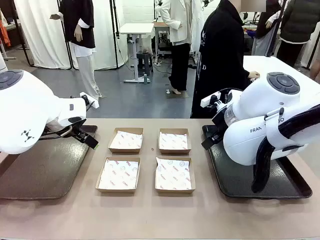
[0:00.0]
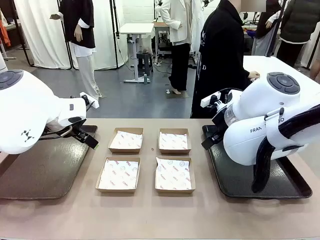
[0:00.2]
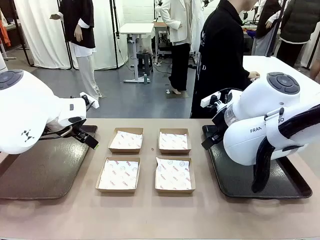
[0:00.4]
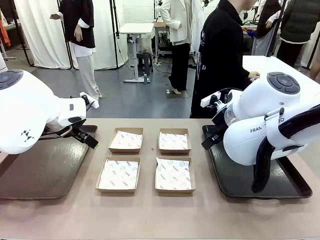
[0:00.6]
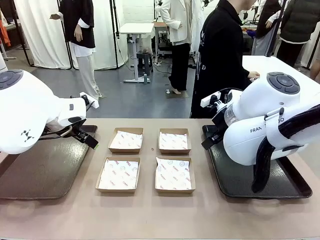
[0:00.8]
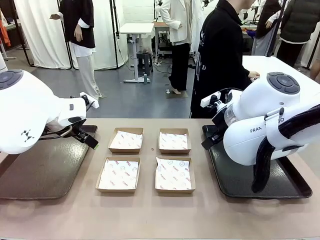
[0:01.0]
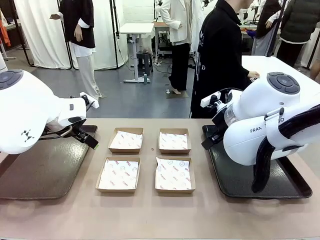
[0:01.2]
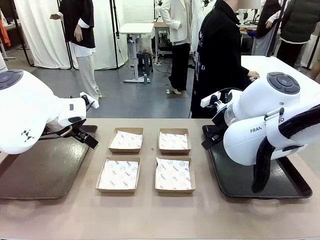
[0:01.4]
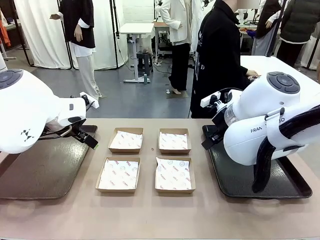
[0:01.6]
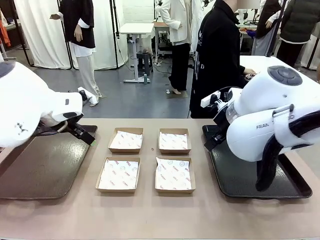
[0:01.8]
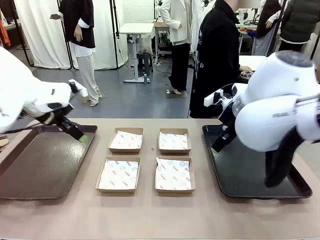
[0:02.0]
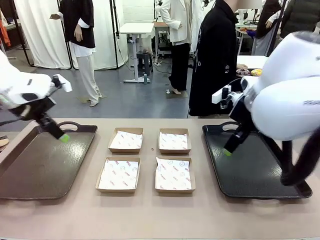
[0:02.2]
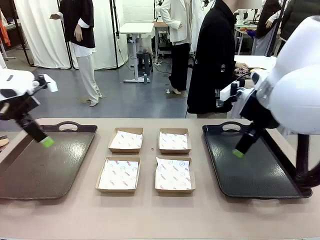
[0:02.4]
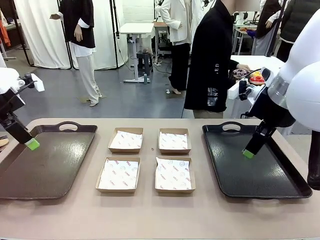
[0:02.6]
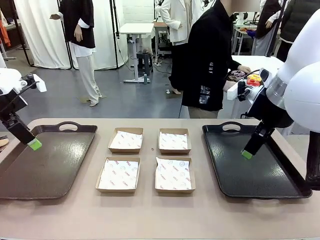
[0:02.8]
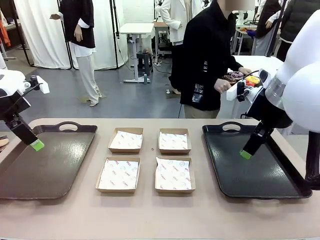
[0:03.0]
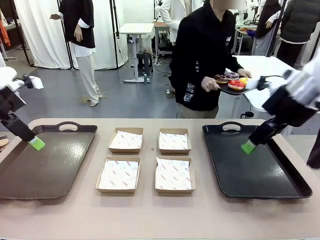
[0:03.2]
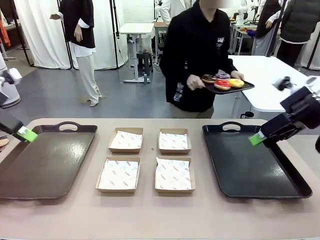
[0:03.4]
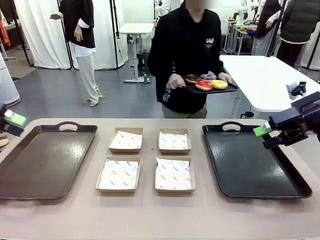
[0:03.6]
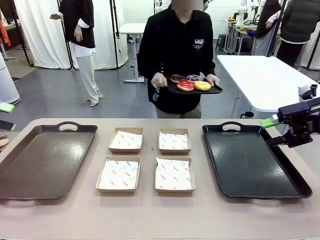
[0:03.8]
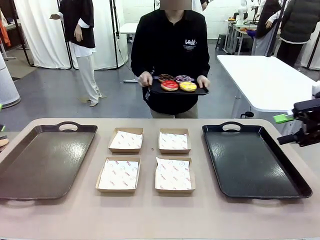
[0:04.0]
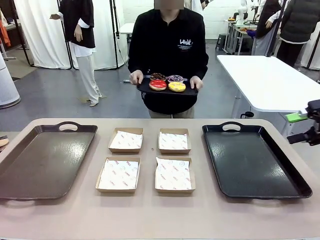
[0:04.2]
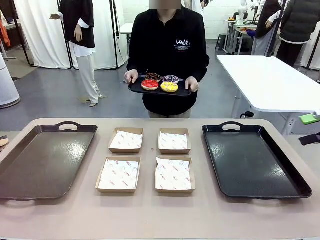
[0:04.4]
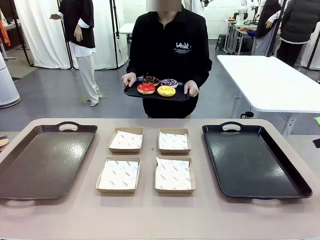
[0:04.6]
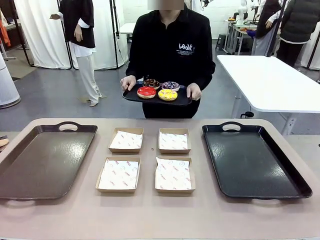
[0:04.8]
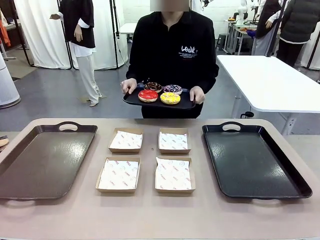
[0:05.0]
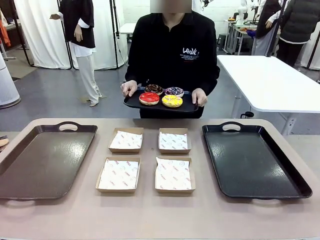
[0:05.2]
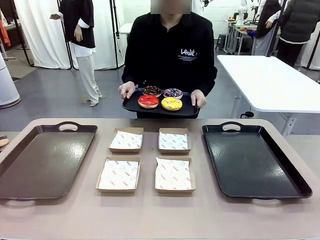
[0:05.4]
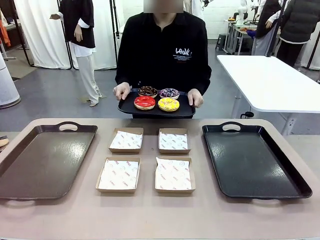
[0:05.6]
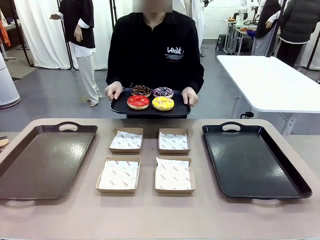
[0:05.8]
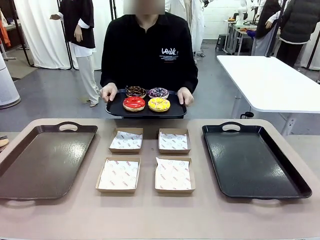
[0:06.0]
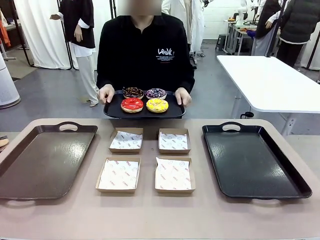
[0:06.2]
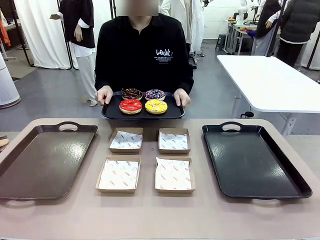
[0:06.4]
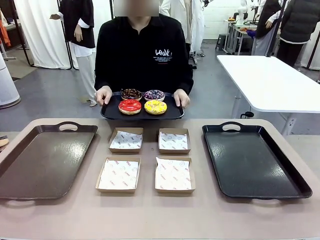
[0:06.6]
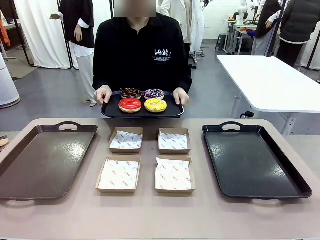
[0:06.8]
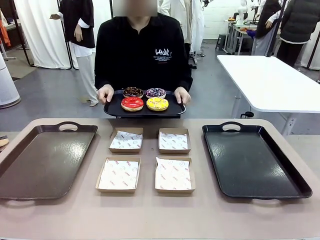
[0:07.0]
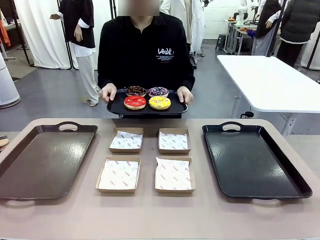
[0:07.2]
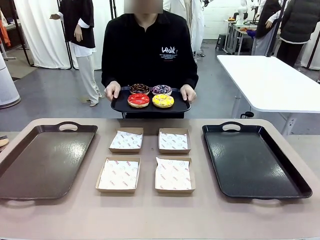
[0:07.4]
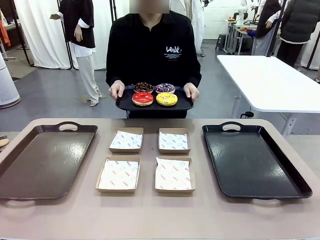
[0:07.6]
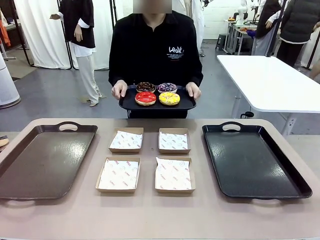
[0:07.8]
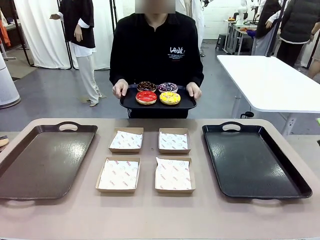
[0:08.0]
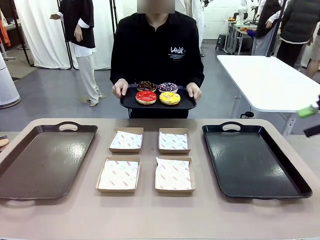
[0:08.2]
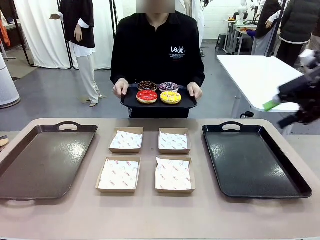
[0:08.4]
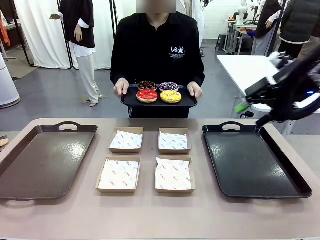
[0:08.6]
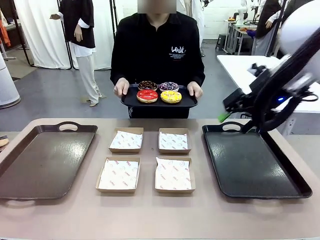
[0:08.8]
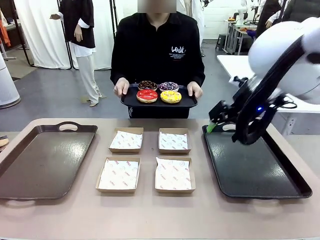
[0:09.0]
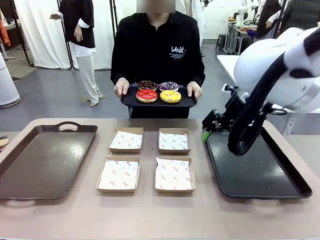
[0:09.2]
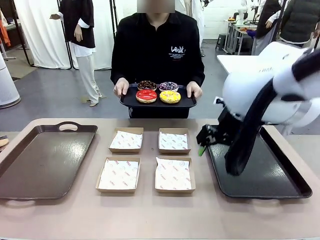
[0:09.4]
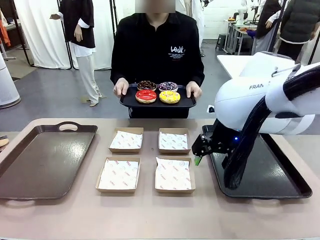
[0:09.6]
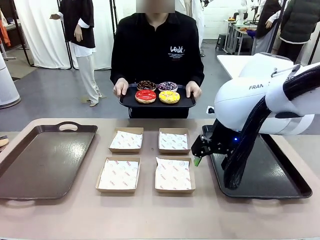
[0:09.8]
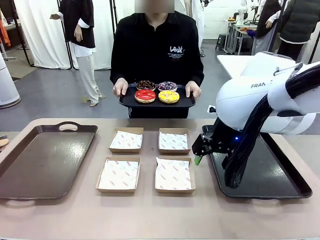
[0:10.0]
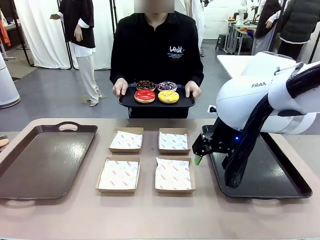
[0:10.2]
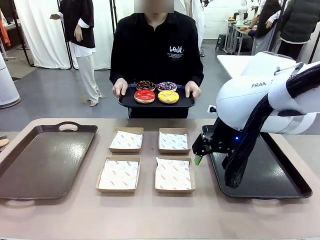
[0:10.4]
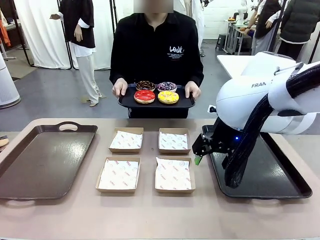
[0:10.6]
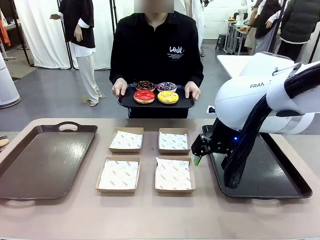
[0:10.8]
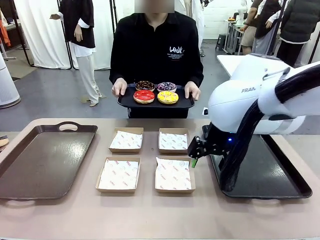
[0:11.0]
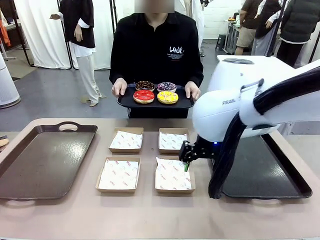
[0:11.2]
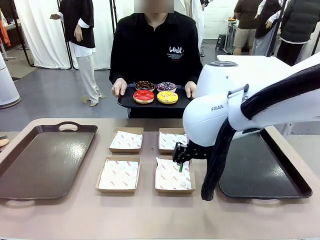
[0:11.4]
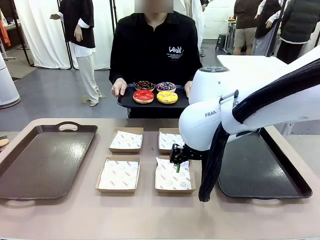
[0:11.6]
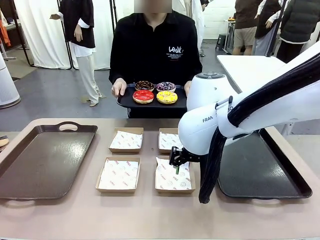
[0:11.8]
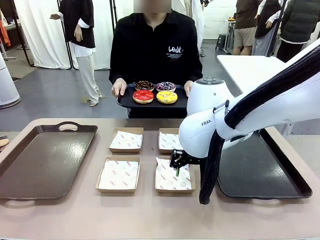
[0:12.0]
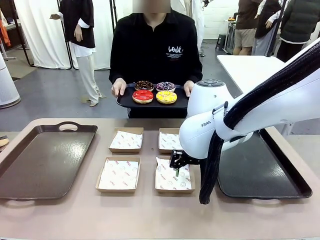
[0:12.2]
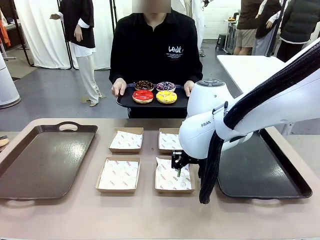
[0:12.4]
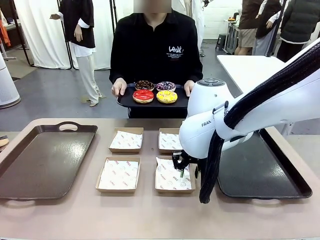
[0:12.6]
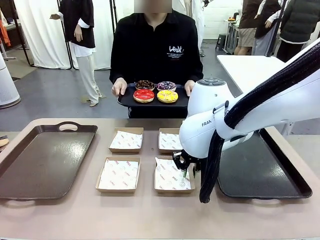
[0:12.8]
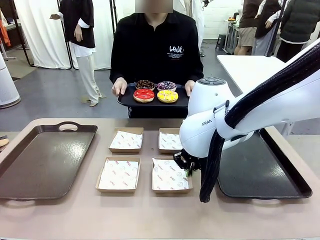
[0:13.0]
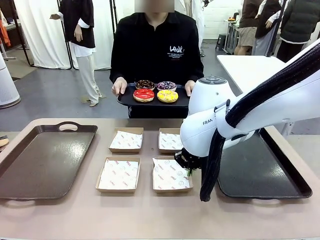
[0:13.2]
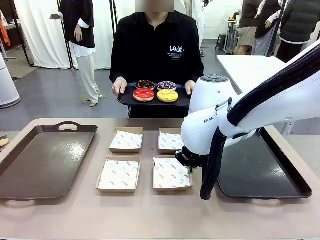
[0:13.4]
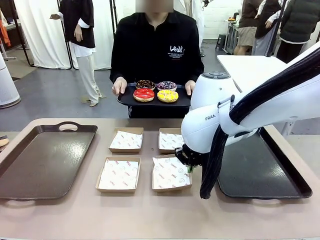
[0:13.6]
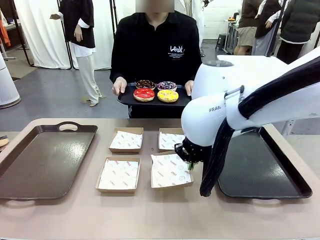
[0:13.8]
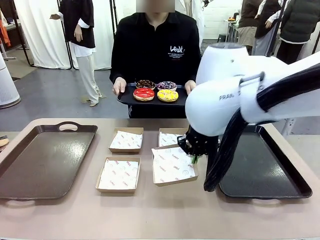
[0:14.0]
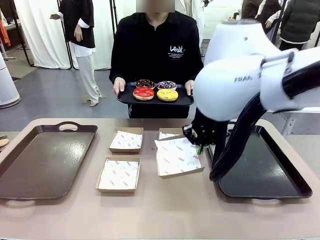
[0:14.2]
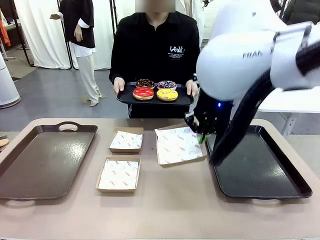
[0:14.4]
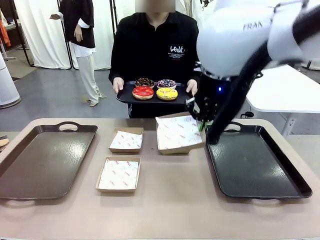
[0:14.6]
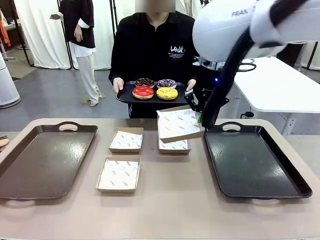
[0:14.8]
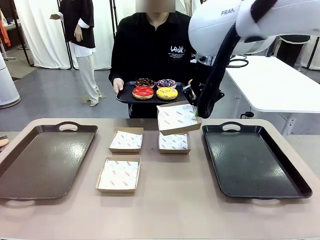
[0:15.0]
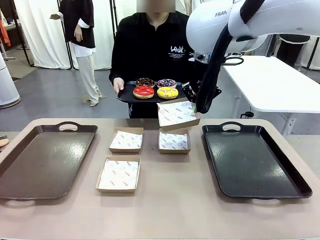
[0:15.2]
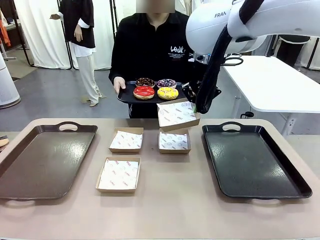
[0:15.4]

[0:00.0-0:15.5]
Task: Individually package the donuts and arrange them on the tray.
Robot: Pick up one Paper togo box.
Person: Stand in front of the robot table holding the tray containing the donuts.
